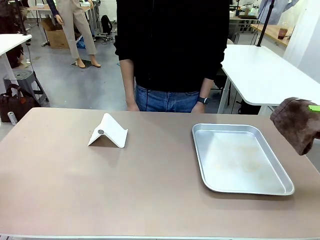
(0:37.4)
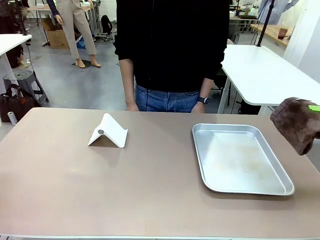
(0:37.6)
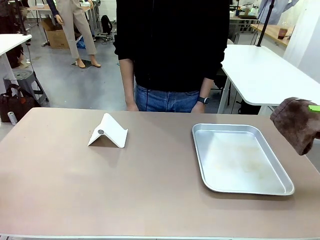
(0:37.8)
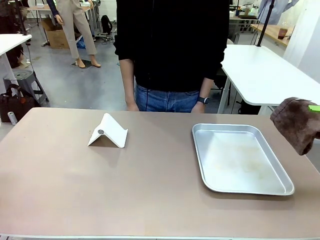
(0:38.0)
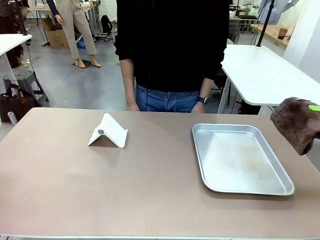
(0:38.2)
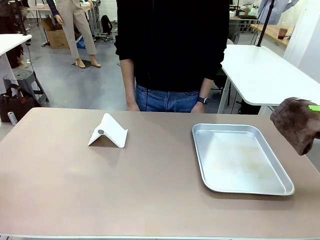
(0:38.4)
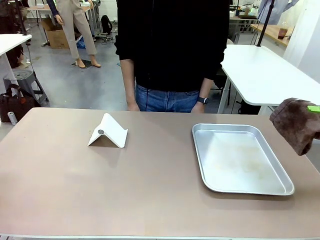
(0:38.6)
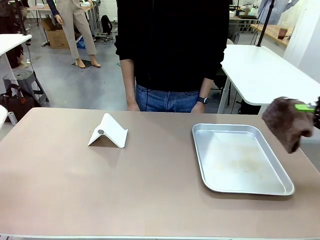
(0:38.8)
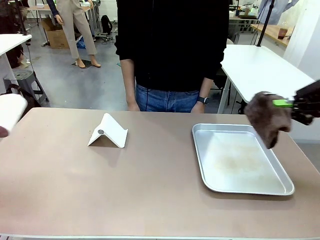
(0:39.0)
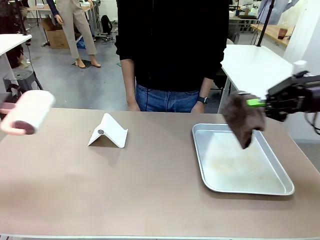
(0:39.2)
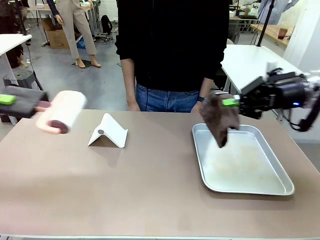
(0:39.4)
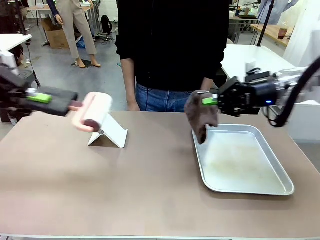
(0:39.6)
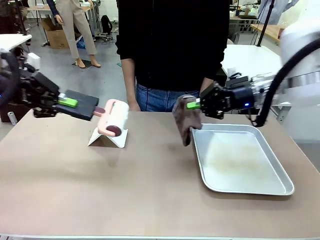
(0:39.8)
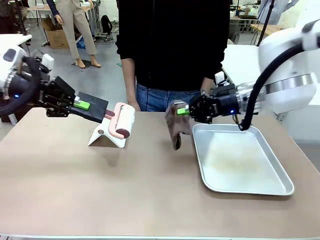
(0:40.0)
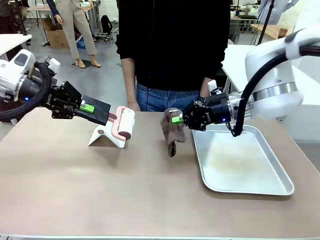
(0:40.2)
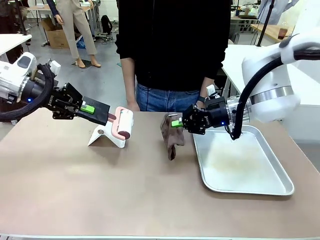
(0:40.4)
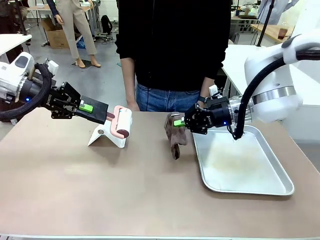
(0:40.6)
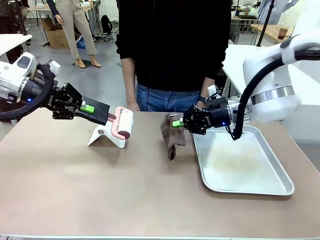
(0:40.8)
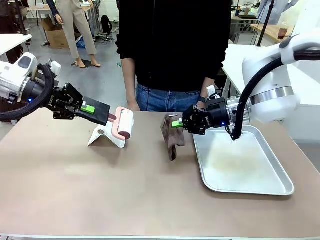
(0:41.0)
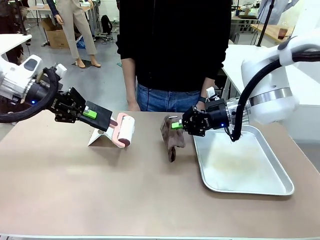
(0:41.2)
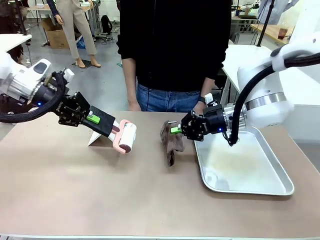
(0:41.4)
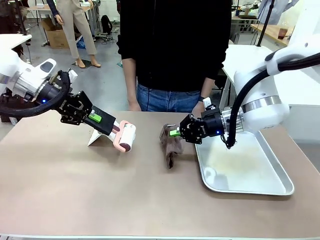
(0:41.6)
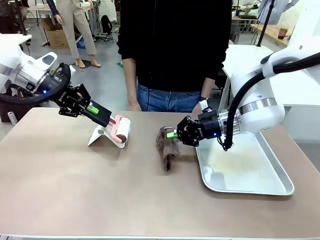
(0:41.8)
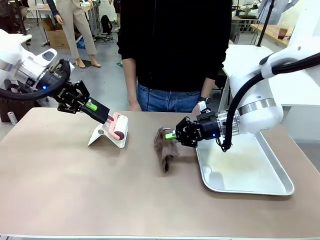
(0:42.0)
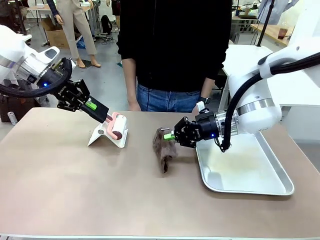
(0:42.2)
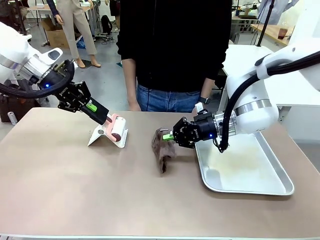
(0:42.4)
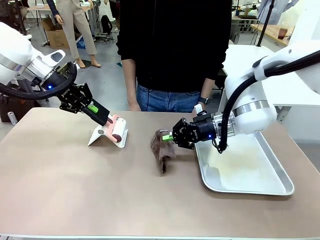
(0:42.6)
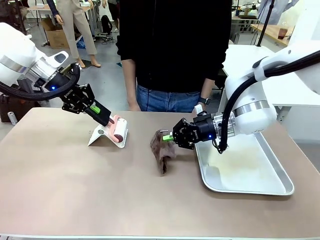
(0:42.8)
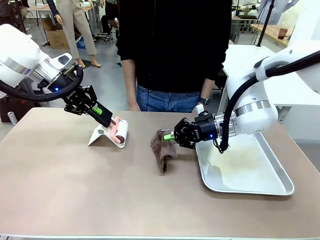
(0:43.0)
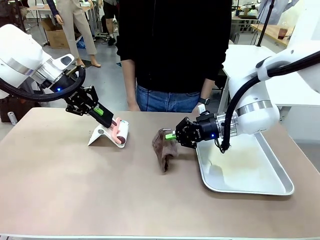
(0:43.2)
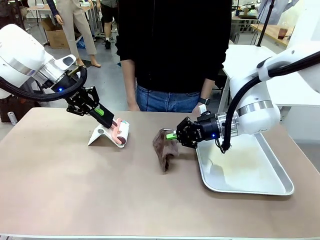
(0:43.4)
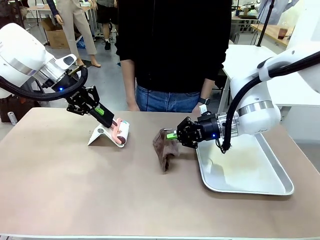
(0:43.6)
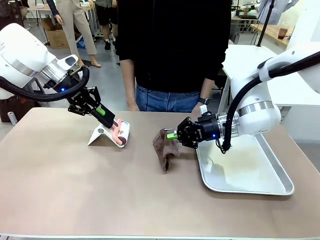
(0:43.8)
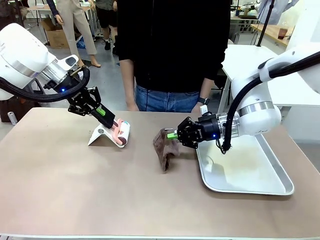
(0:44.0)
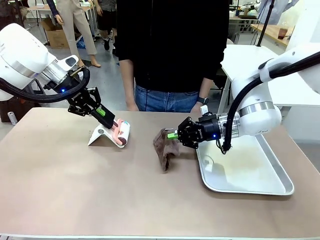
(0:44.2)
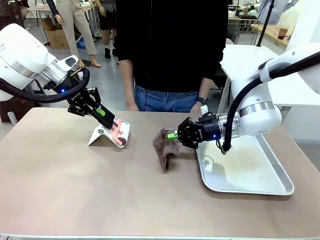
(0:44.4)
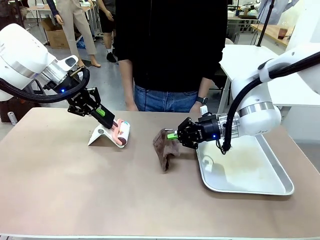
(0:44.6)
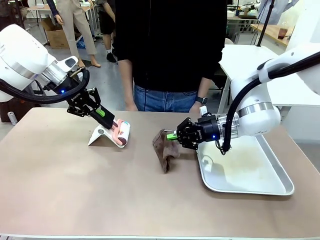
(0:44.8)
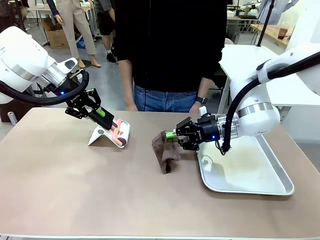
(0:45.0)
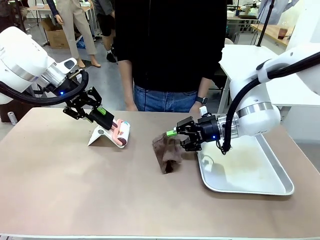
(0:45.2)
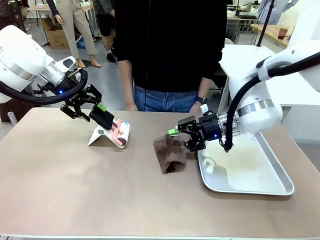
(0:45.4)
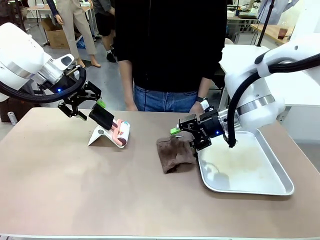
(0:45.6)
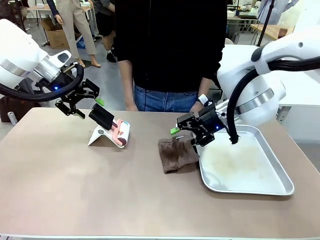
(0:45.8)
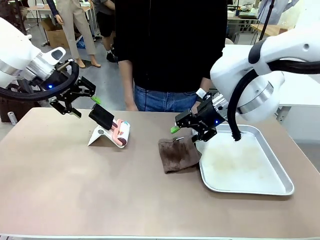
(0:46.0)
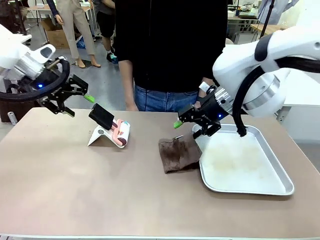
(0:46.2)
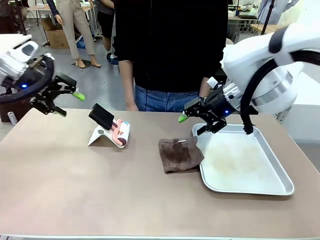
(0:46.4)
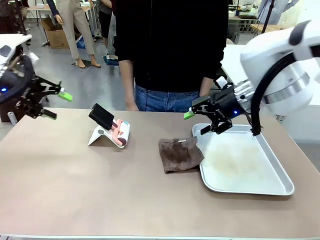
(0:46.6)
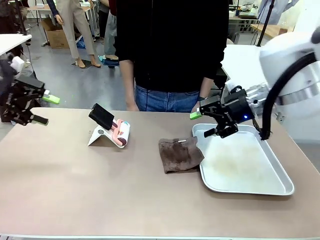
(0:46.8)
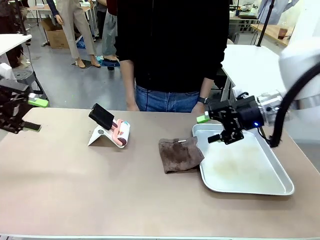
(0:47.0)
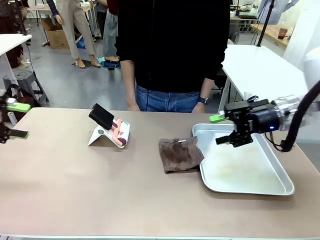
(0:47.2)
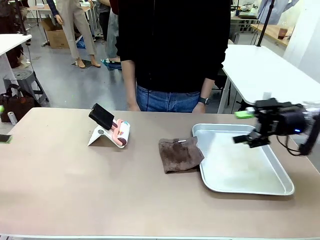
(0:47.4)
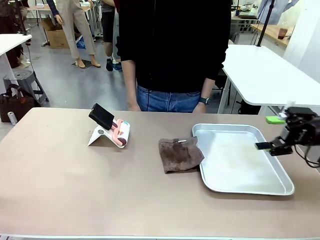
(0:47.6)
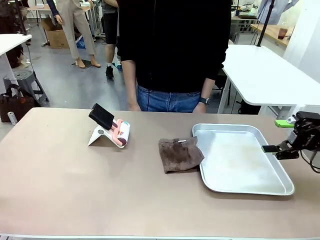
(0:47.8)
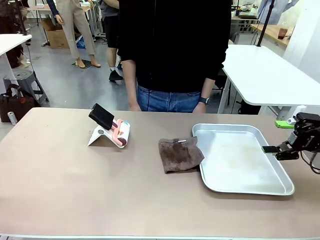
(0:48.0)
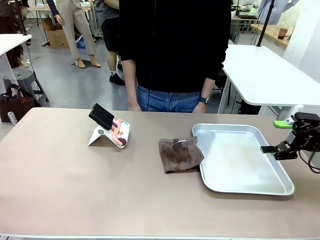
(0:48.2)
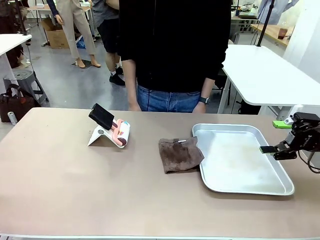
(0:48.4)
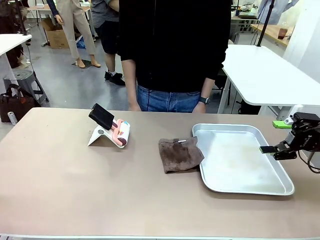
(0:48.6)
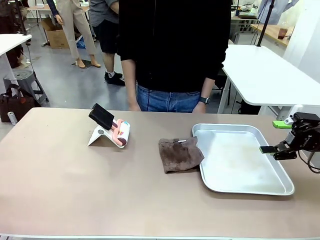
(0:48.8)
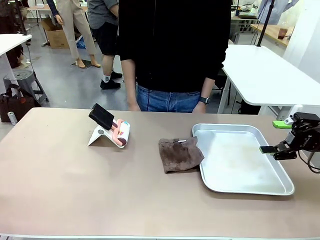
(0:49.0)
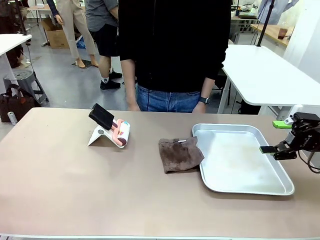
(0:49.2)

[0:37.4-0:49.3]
Task: Clean the surface of the table.
Robot: Return the Lint Roller and towel to their original positions.

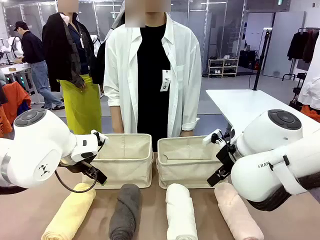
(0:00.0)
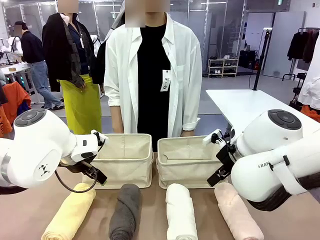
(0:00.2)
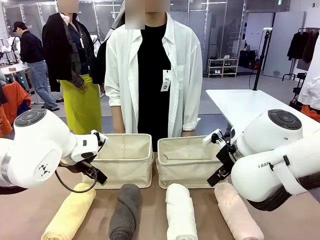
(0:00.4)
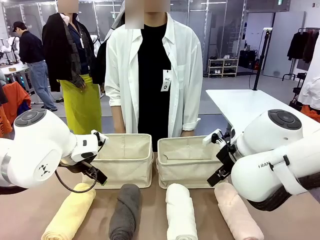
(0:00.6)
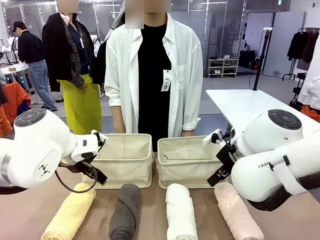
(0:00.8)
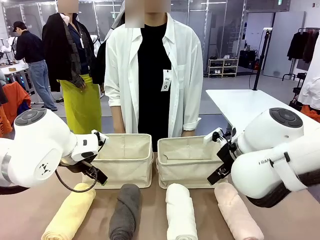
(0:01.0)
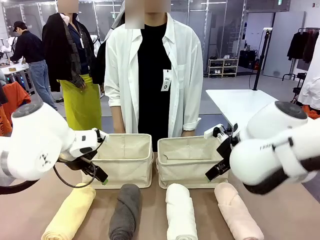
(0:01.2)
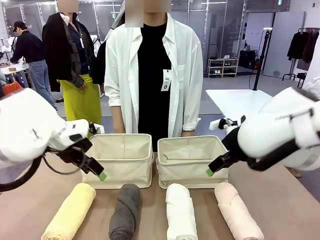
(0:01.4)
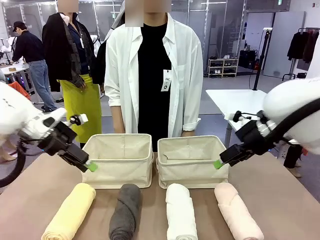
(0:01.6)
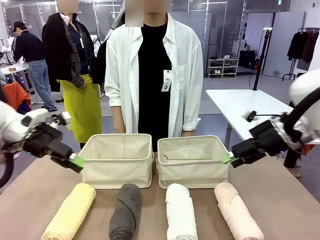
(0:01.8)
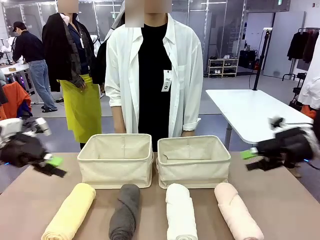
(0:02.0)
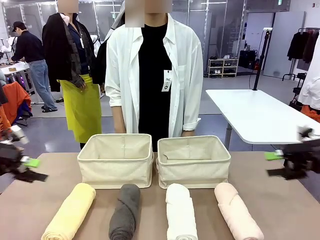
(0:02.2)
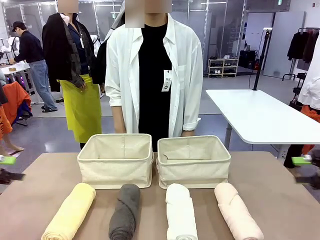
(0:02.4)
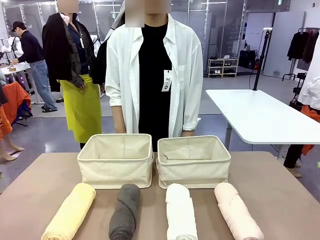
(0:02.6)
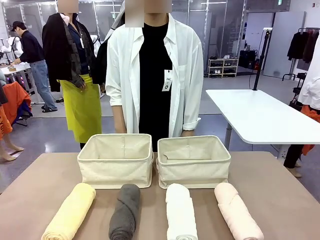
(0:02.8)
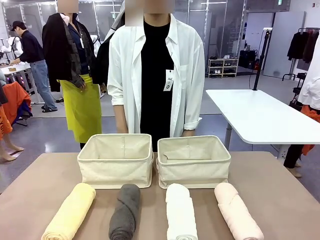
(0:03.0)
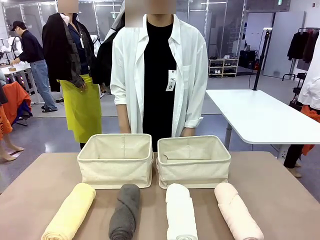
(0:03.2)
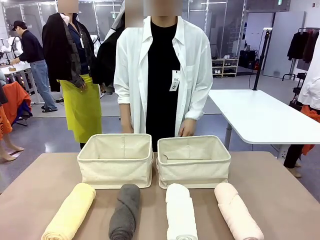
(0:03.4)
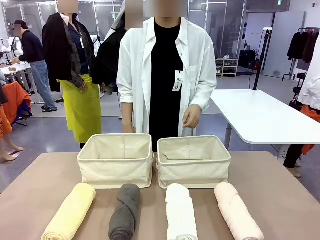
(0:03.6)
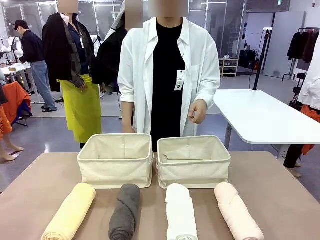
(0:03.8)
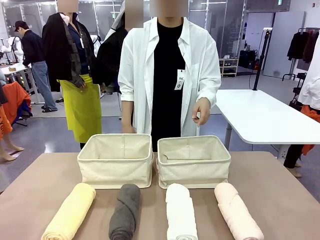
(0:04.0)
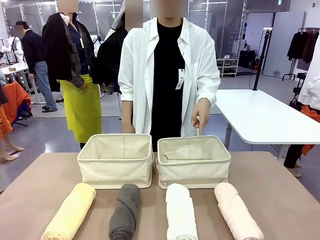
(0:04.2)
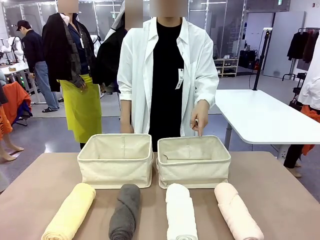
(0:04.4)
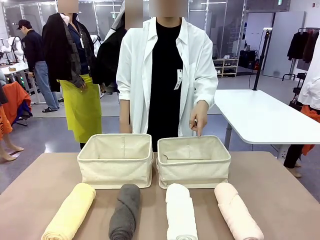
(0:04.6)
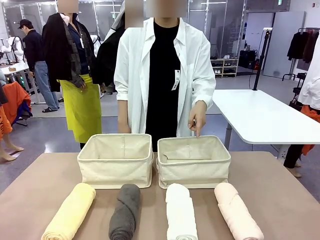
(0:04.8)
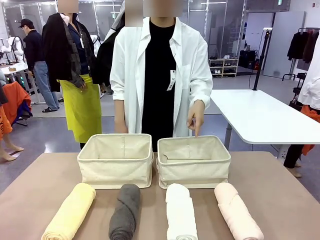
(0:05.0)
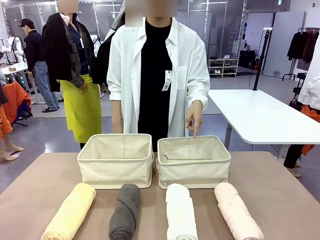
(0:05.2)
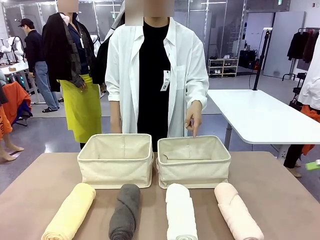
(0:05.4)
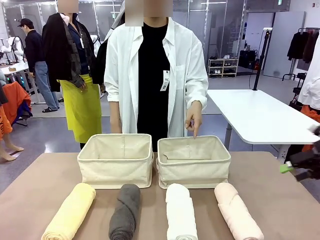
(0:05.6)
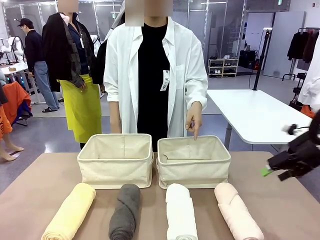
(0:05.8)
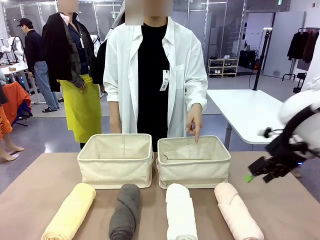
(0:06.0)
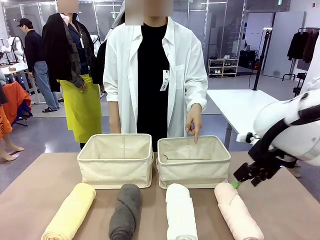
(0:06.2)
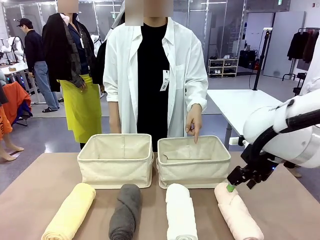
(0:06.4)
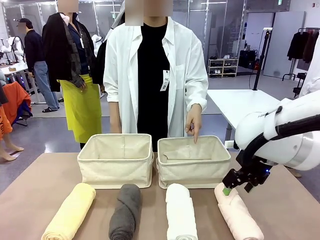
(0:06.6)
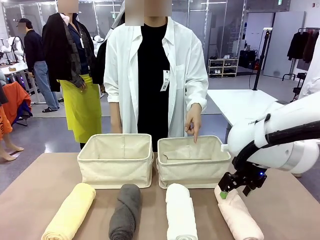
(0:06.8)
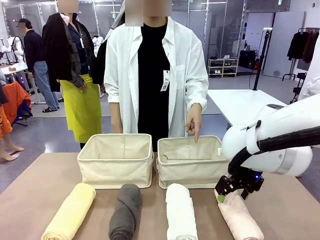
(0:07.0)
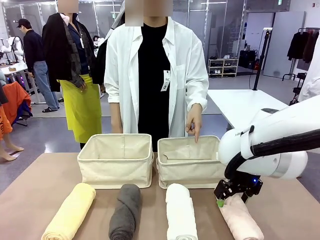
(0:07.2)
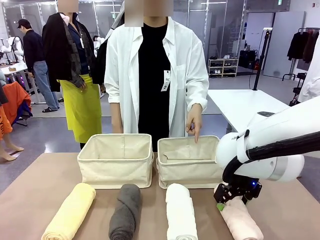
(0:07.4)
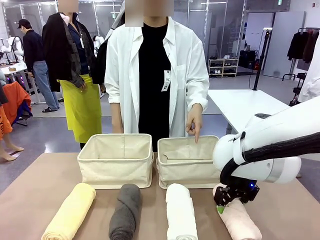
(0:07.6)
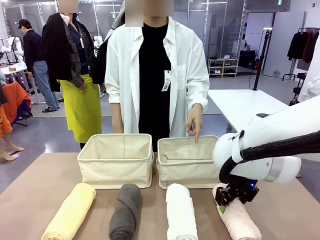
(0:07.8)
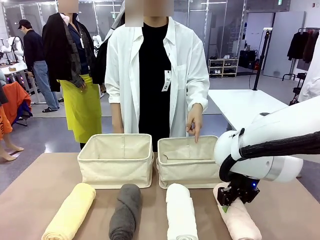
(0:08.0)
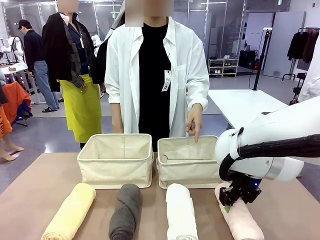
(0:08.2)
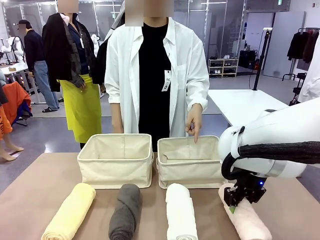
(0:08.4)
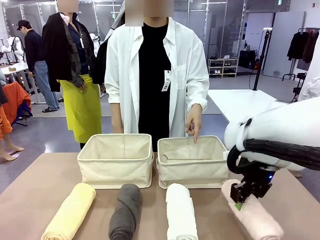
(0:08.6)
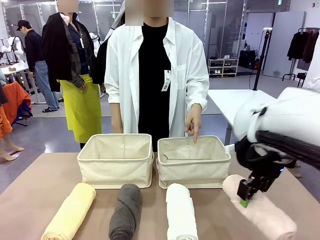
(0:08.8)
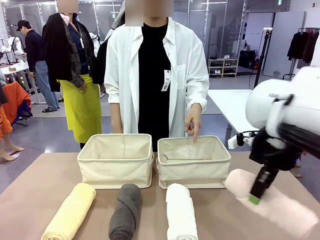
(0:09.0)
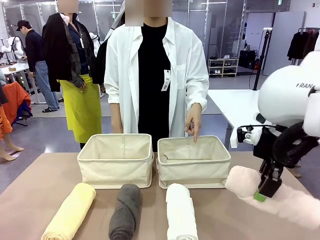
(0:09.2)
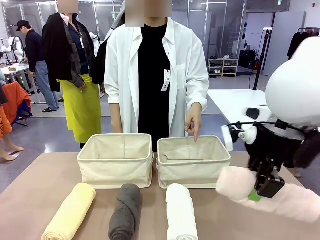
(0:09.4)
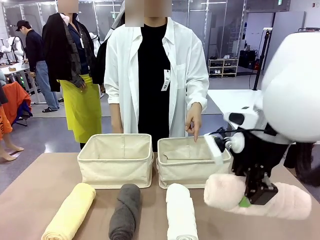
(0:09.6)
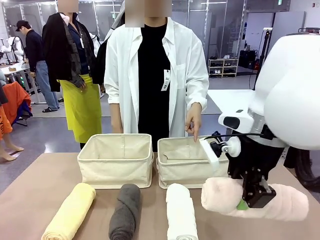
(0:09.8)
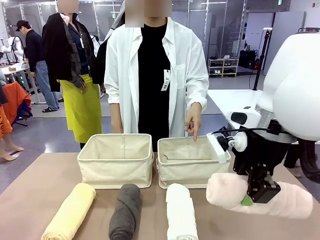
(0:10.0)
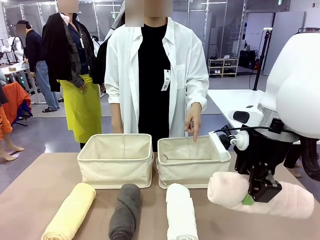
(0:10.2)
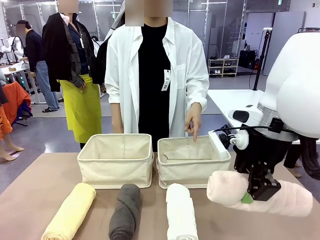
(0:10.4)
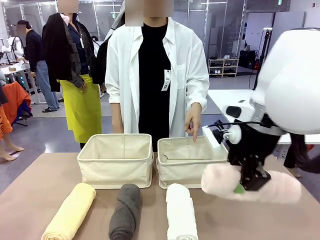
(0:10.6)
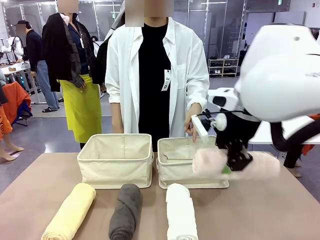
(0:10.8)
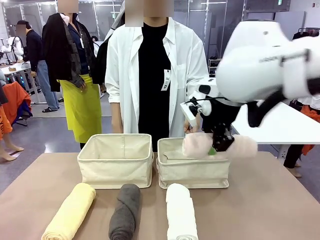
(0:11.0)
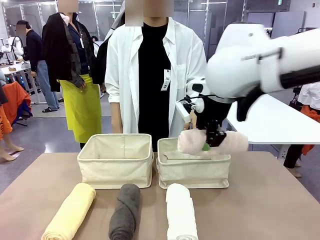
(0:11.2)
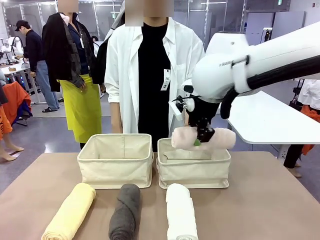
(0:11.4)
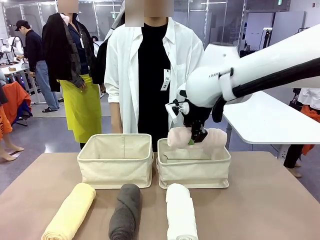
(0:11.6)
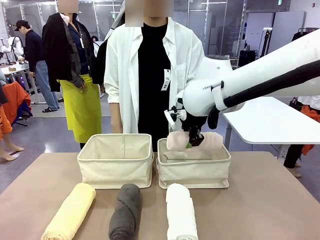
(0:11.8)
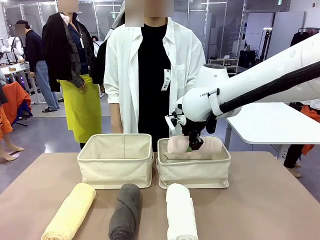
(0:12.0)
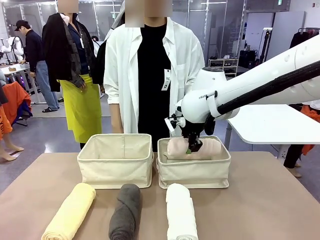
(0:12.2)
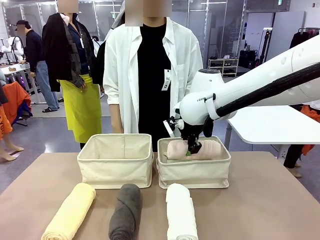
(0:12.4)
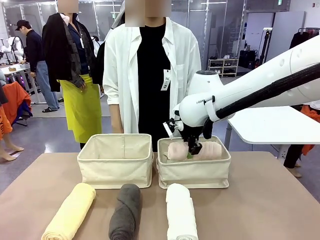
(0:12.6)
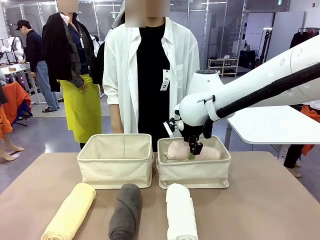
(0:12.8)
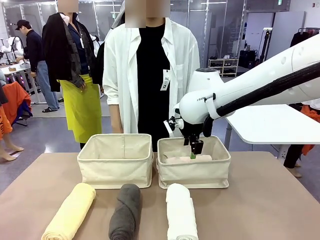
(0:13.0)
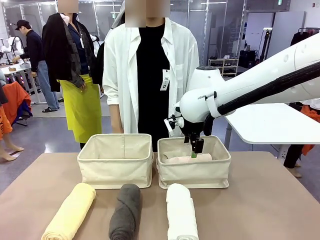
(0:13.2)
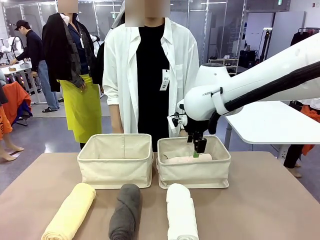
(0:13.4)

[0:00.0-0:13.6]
Task: Divide the towels into two baskets.
Robot: Pick up one hotel-folded towel and place it in the Fabric basket indicated by the person.
